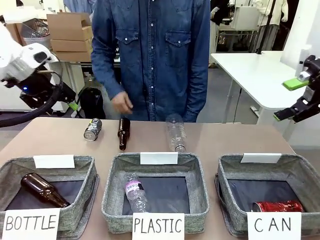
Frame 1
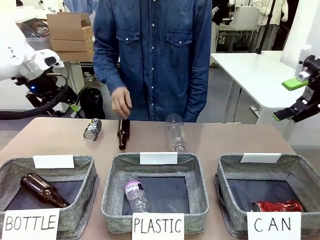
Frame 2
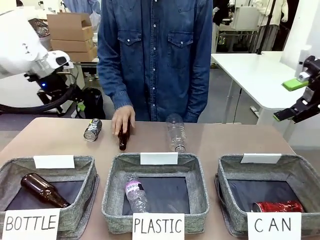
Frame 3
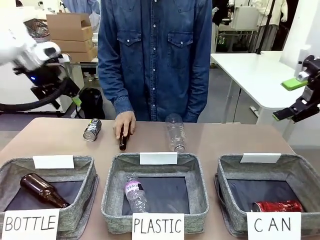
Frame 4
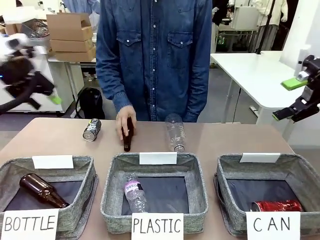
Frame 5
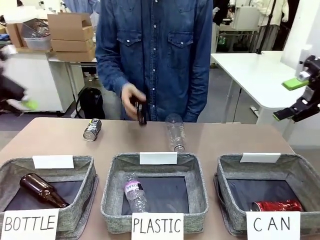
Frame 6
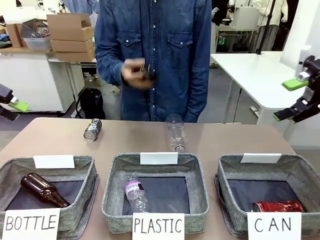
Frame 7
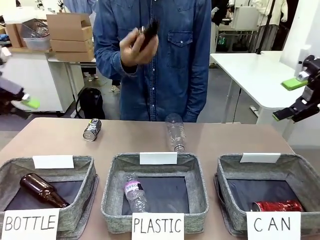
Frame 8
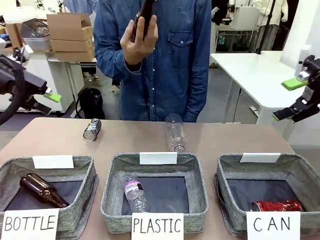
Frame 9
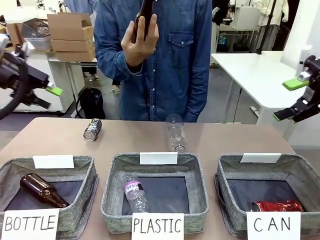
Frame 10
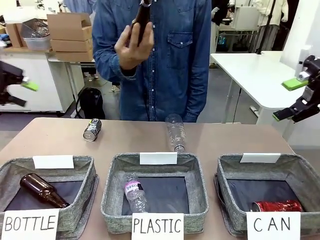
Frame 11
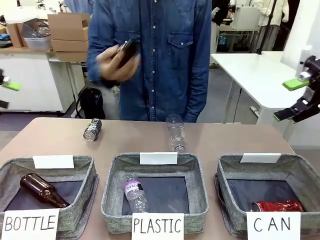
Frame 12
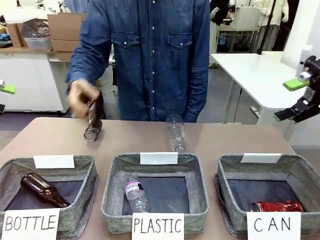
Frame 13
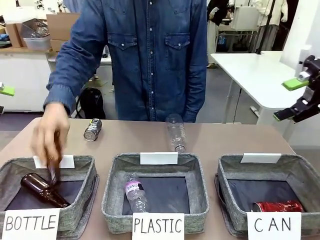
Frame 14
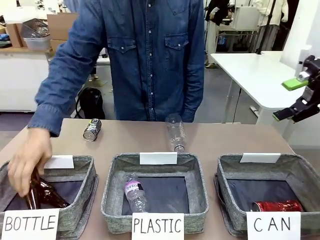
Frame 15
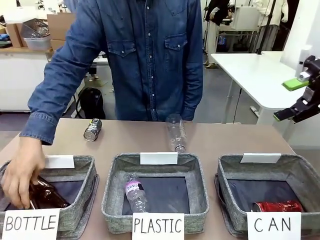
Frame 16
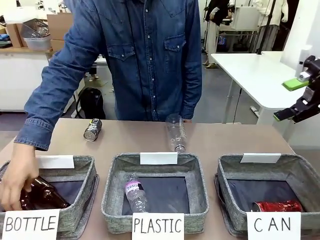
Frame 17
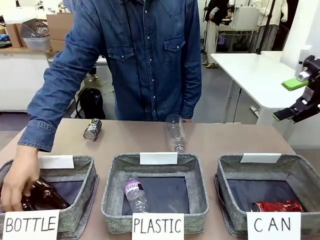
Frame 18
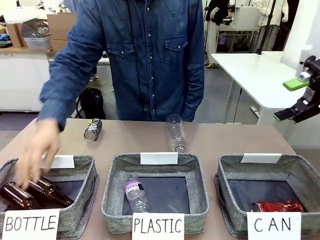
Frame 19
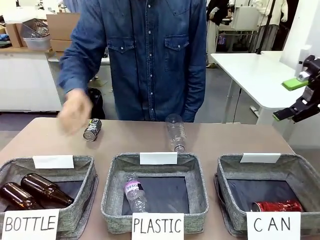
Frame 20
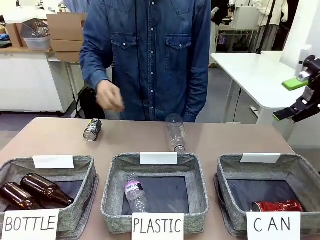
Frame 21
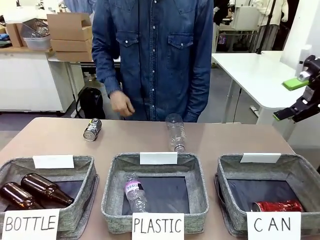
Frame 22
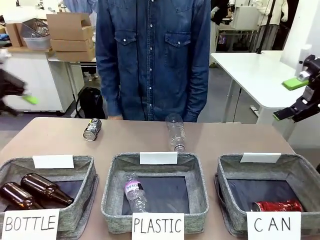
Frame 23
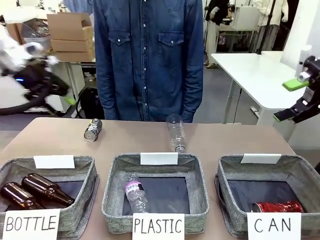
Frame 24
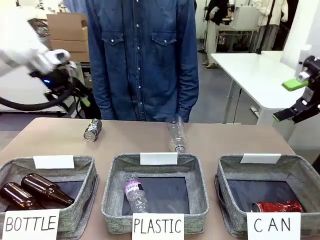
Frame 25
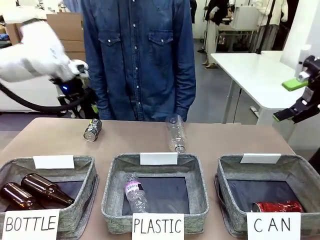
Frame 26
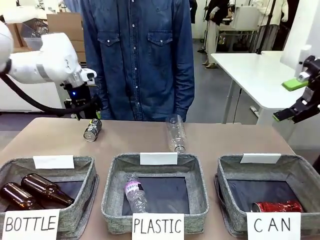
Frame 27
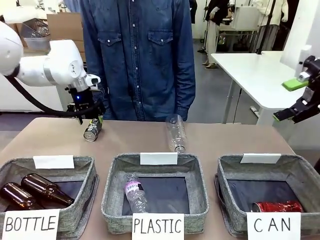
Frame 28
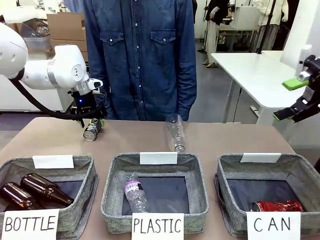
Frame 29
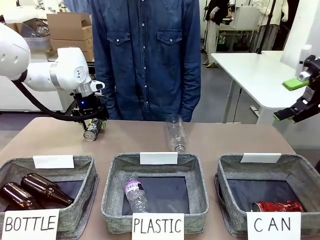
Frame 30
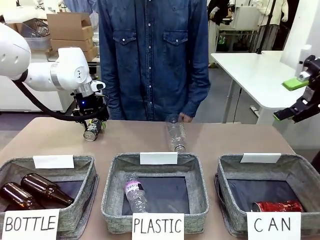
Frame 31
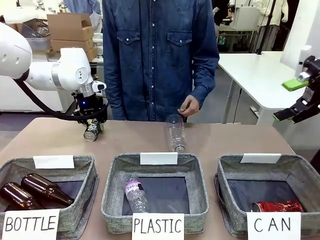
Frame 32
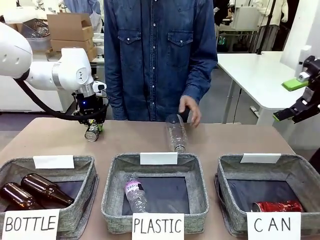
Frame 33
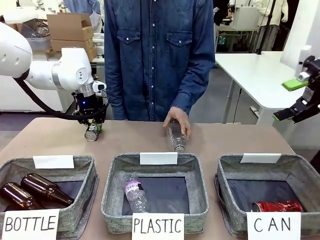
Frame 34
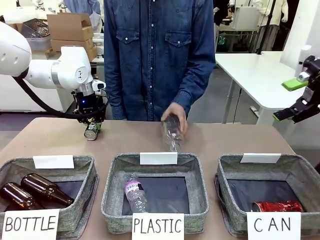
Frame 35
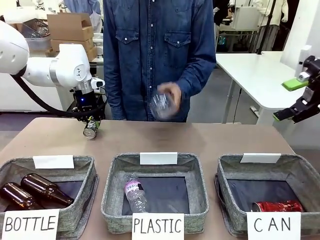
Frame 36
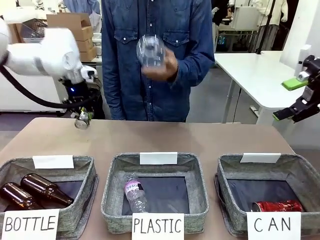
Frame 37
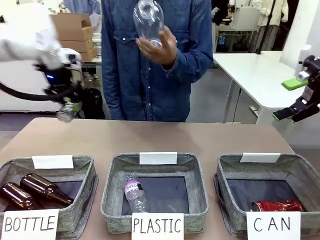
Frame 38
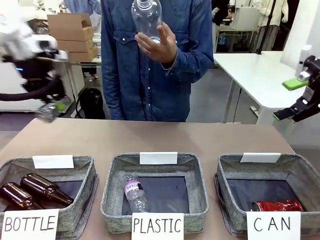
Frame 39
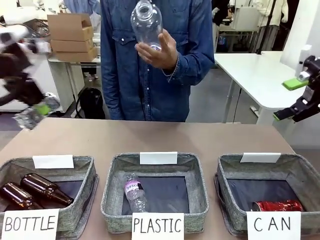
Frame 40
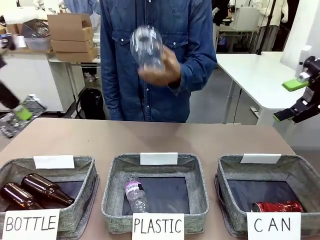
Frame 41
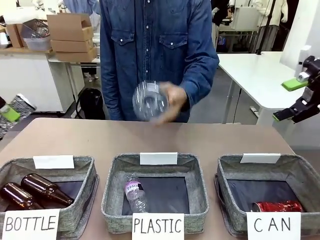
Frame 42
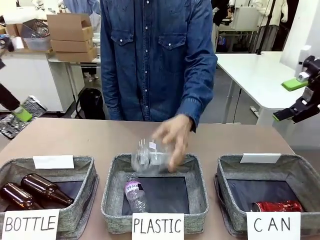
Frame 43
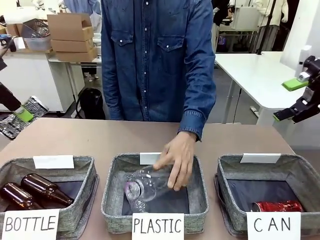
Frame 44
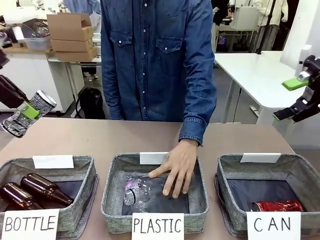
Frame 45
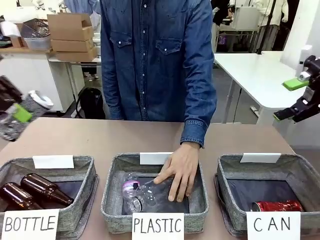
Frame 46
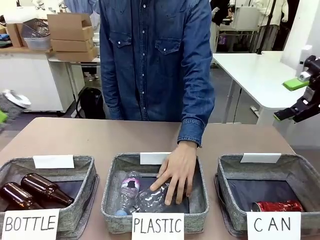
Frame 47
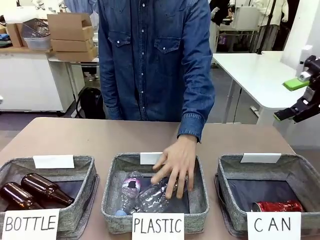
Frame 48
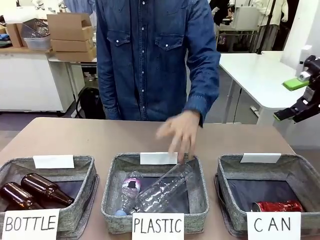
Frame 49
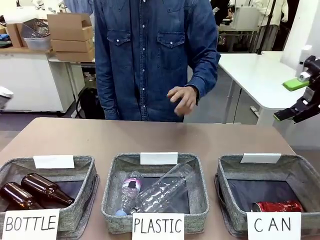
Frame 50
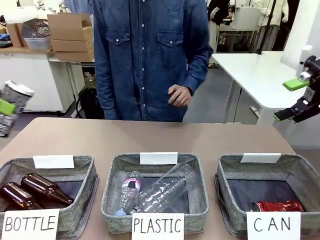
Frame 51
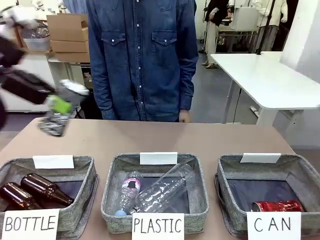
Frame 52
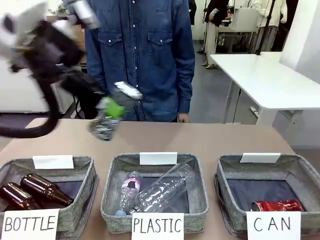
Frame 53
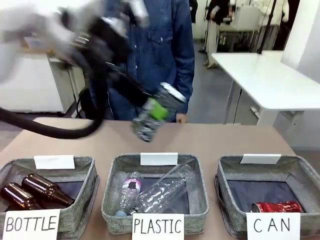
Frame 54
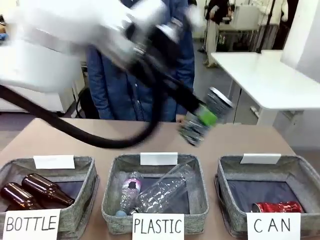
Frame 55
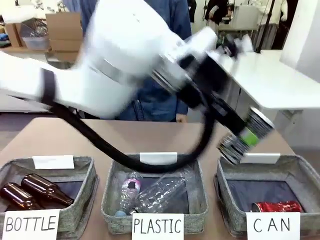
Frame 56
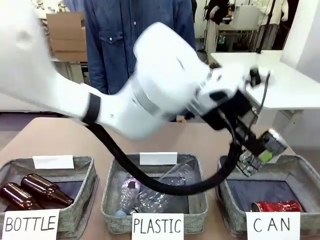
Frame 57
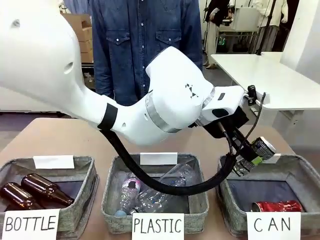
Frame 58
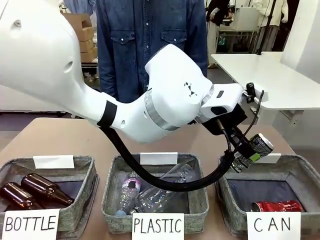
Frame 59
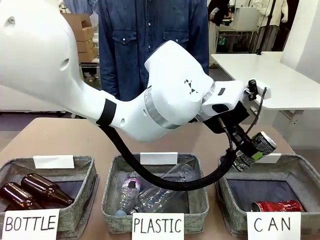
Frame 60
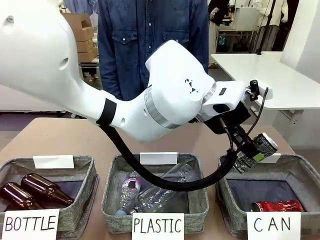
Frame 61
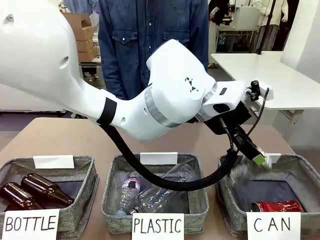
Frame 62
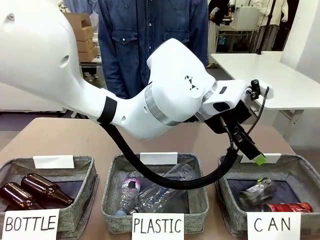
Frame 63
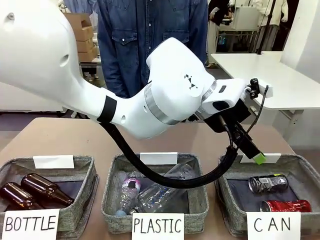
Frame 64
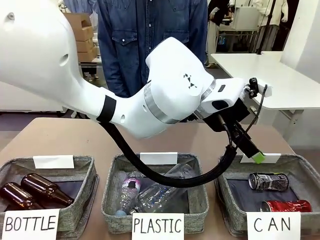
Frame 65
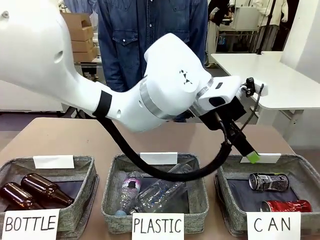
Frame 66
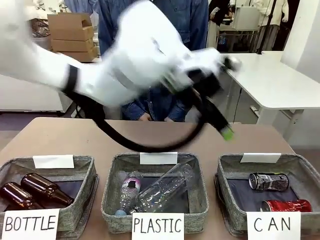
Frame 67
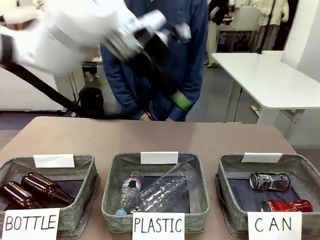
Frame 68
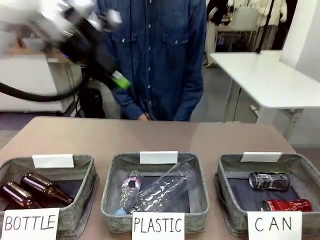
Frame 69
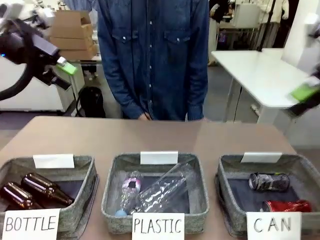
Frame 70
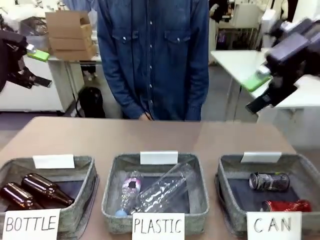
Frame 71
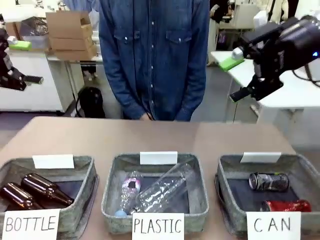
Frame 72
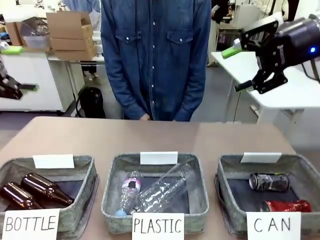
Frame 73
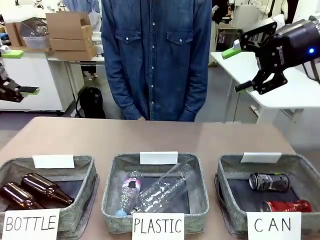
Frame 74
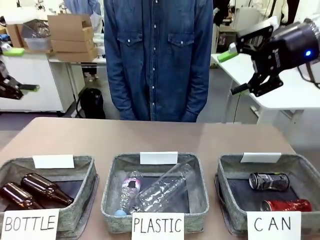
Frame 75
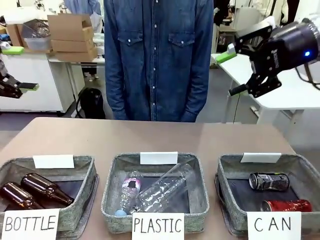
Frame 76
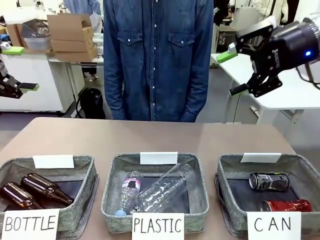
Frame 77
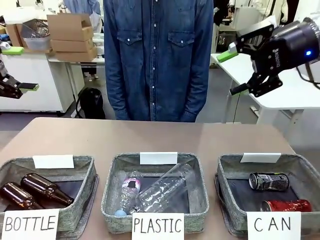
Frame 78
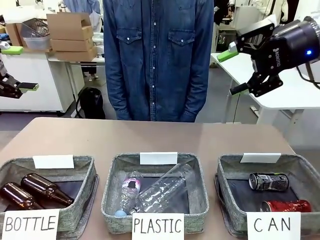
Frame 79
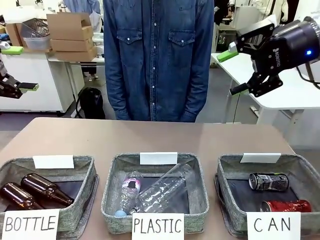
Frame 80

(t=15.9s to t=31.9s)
Task: Sort the can waste into the basket.
Robot: Pick up the can waste from the table and place it in the right Fabric basket.
Person: The human picks up one piece of trash that is not a can and places the trash into the appropriate organizing basket.
